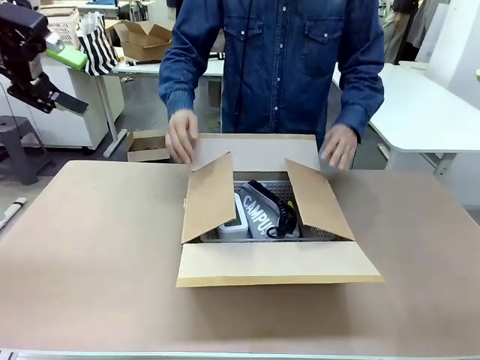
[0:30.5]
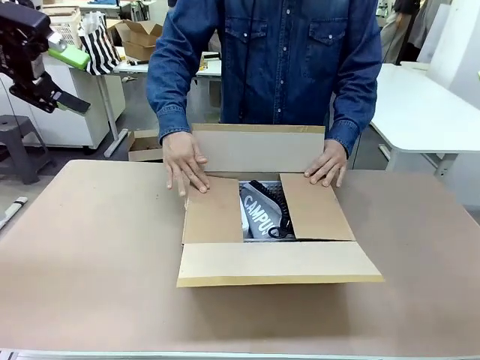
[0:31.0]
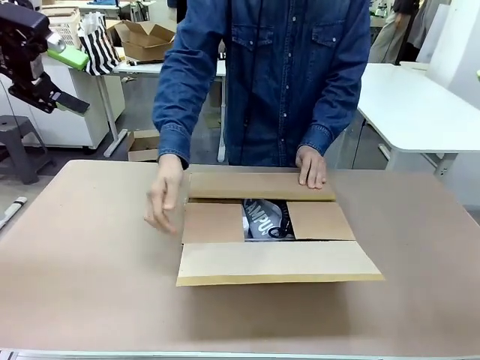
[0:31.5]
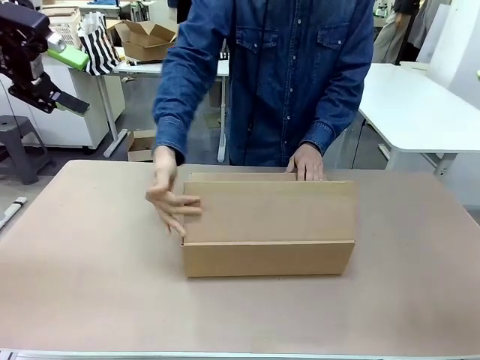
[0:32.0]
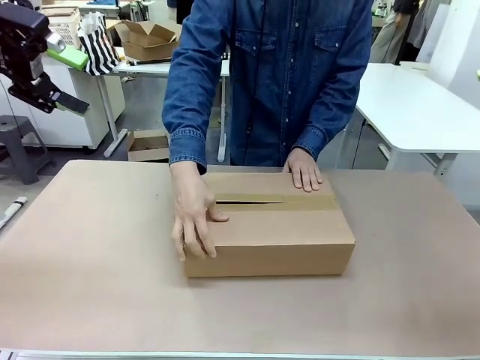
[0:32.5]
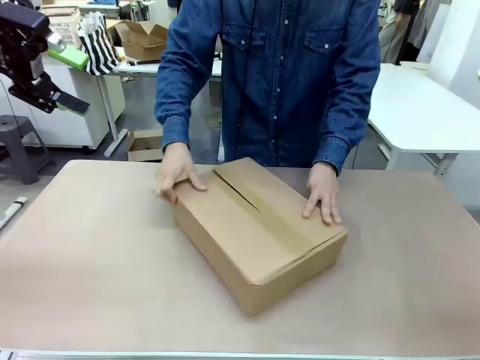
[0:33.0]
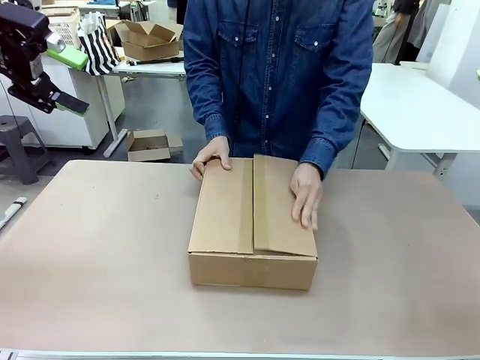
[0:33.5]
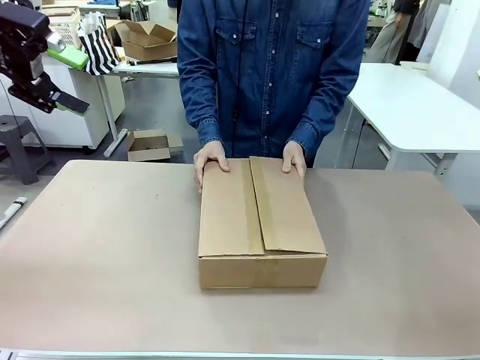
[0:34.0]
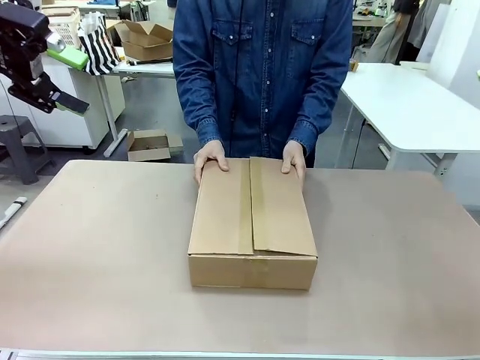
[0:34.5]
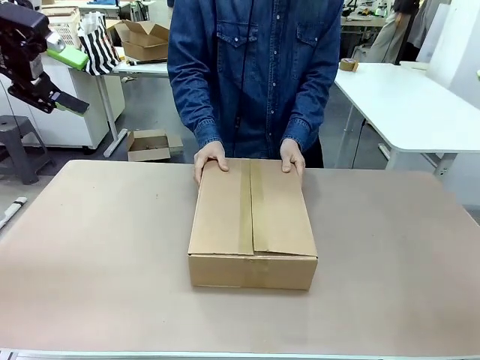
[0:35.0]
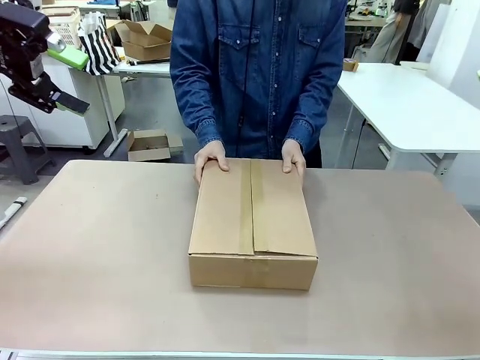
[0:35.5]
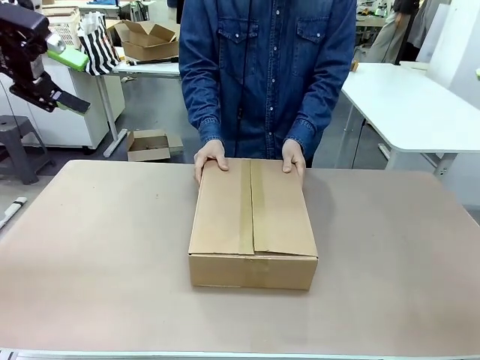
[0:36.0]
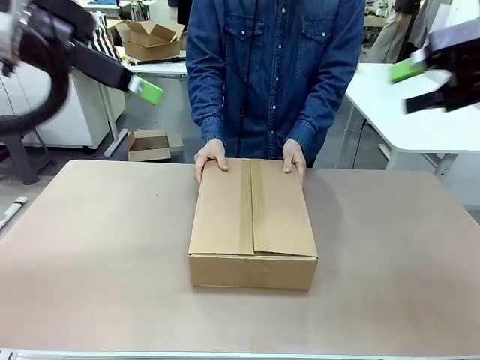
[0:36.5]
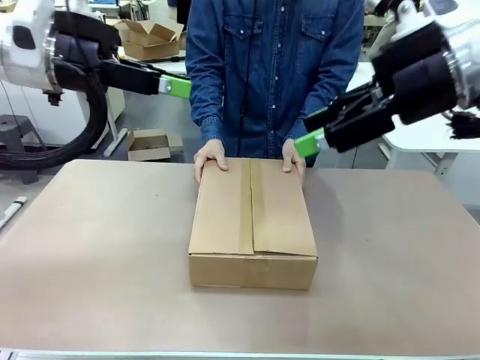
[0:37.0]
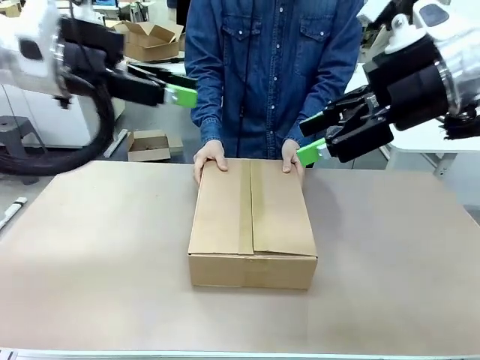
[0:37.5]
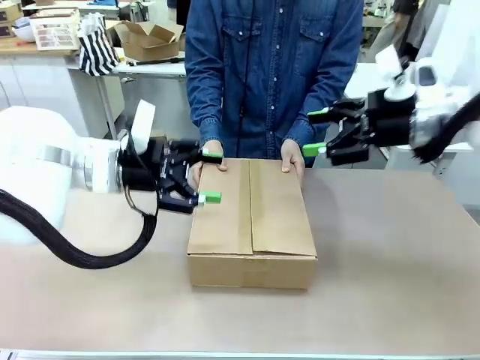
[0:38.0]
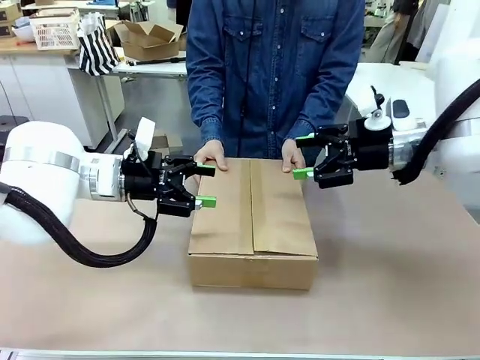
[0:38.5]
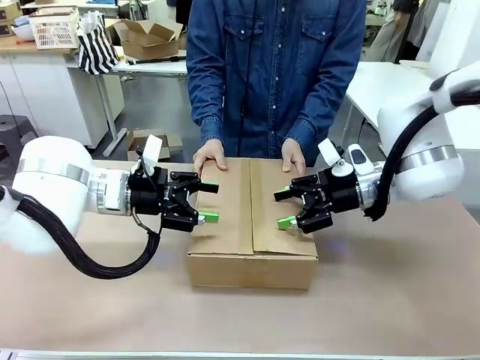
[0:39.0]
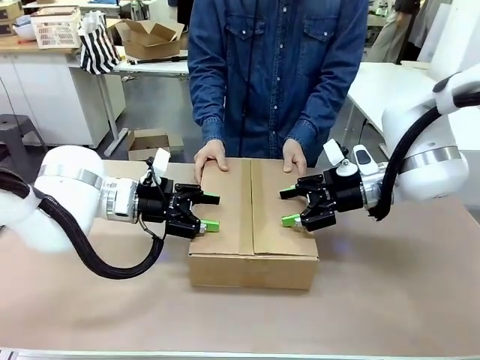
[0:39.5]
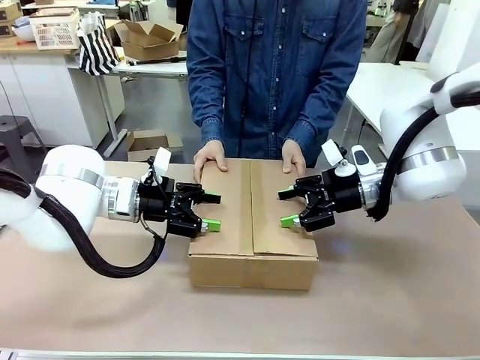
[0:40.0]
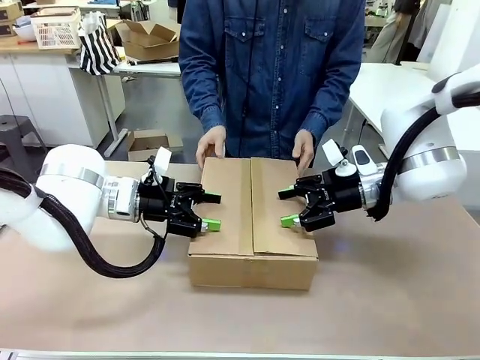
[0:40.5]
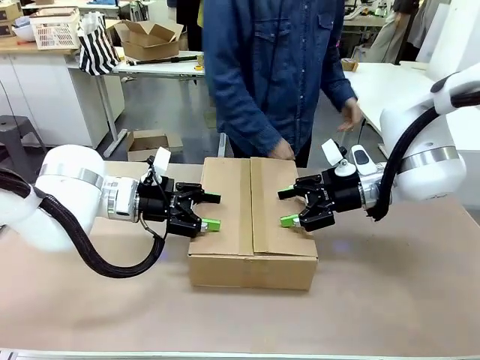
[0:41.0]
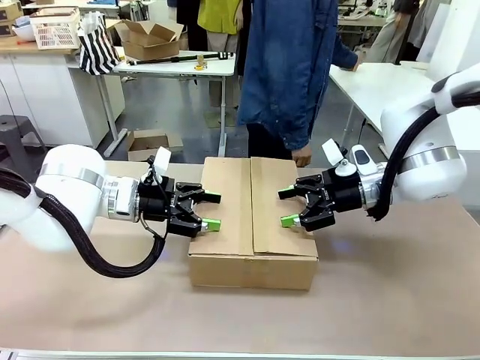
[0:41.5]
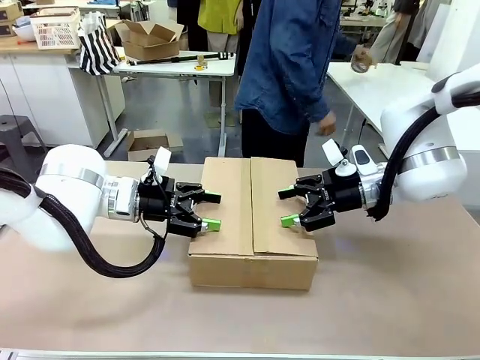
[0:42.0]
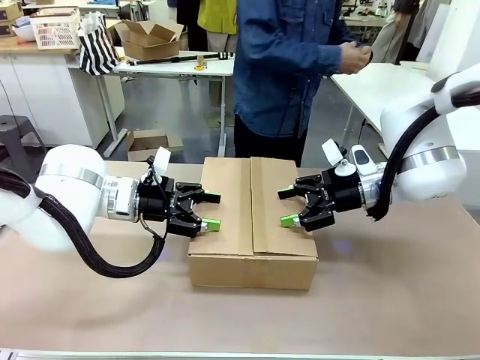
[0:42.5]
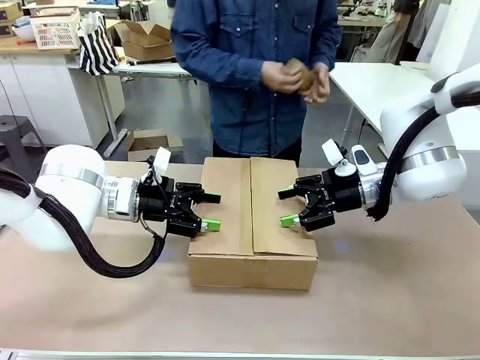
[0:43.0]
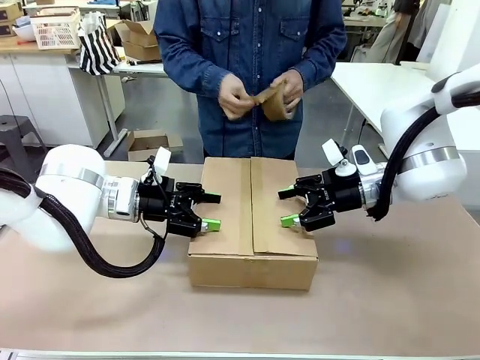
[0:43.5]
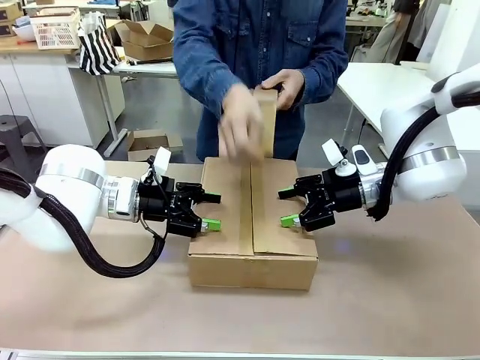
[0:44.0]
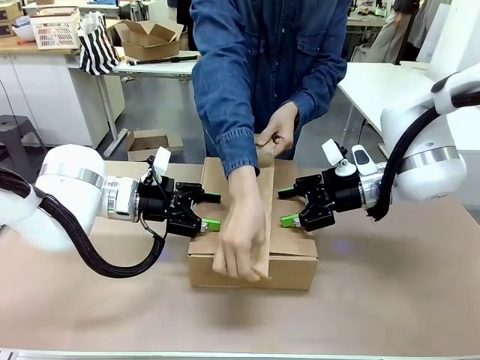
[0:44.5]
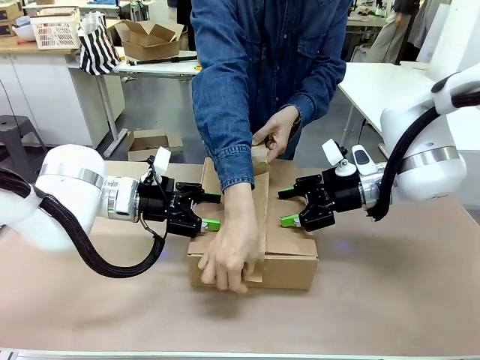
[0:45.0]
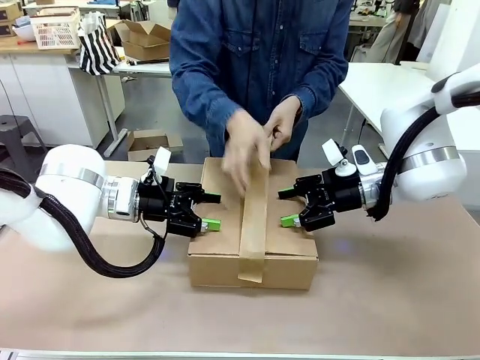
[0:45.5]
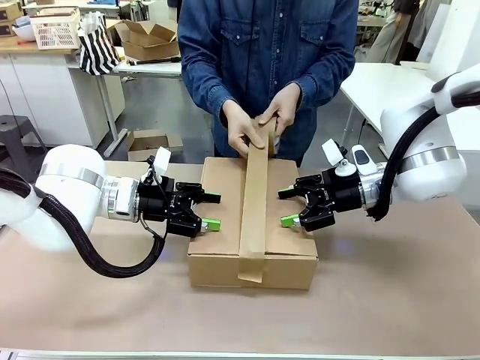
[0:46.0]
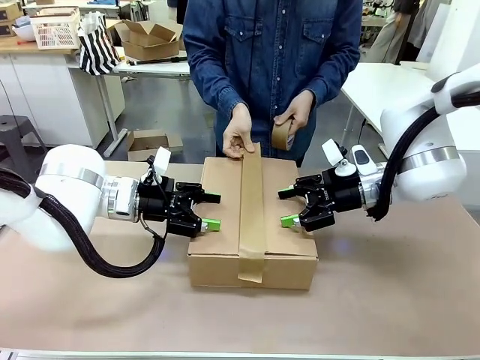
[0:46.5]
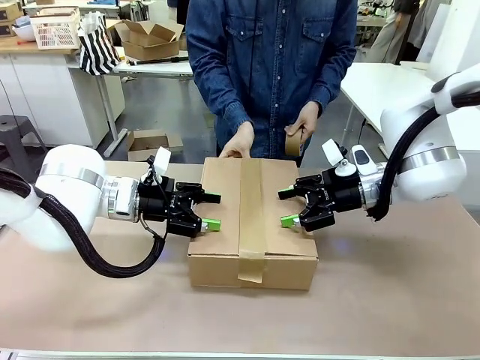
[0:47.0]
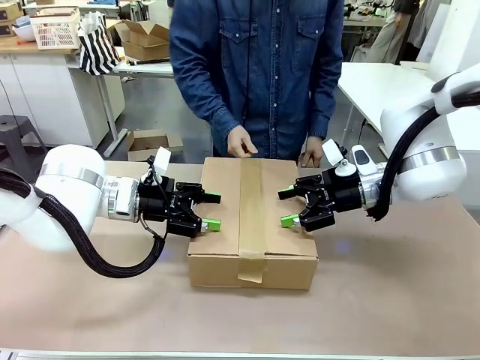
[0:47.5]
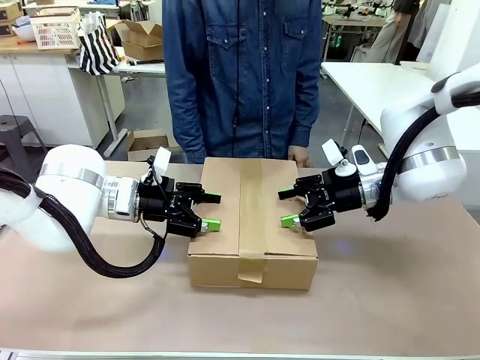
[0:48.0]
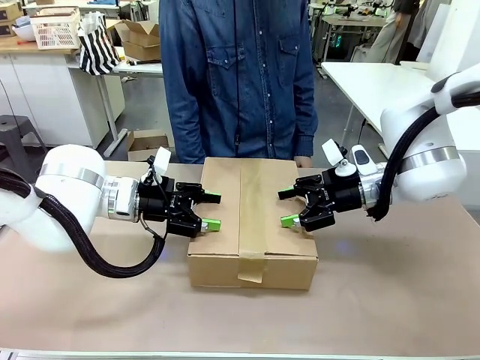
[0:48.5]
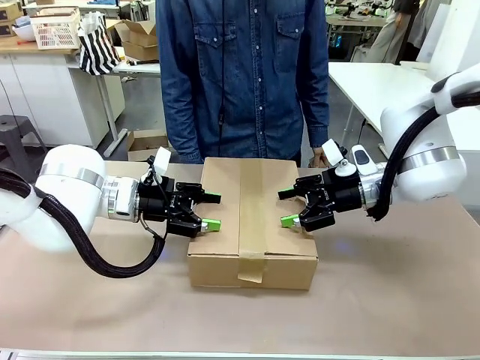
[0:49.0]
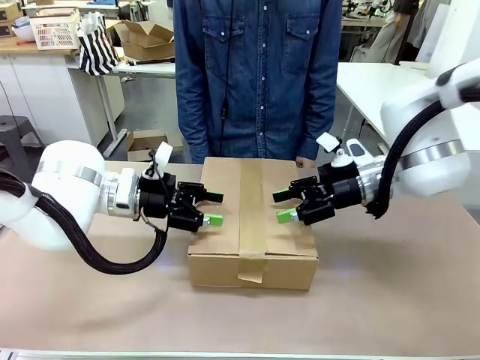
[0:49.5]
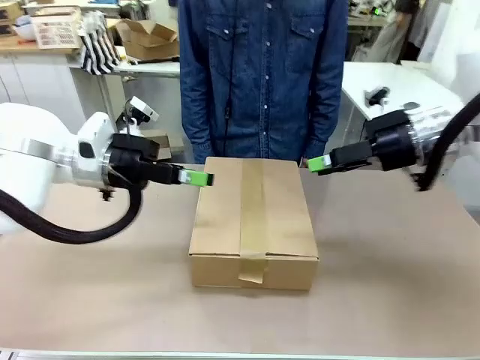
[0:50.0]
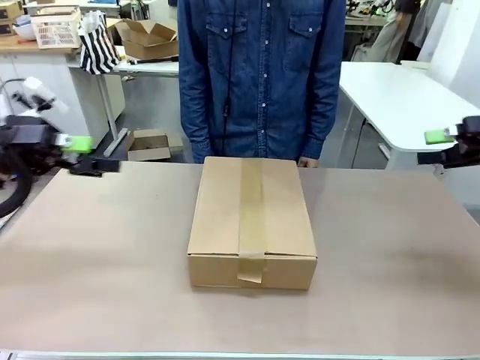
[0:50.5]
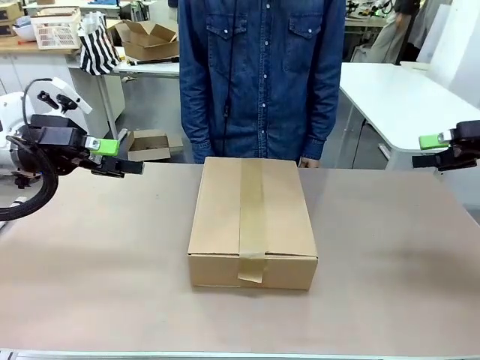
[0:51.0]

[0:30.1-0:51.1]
Task: Pack the gift set into the box.
Robot: Press and hold the closed box until the human finishes sealing it.
Person: The human closes the box and rotates the box by 90 degrees. The human picks up the paper tape from the human table and packs the box.
